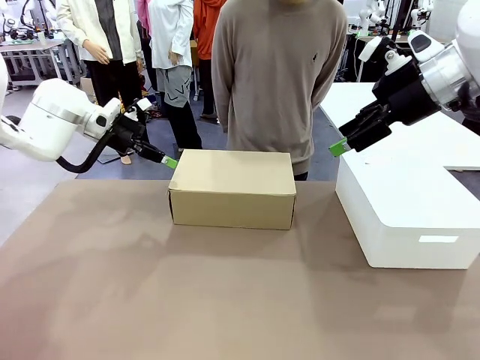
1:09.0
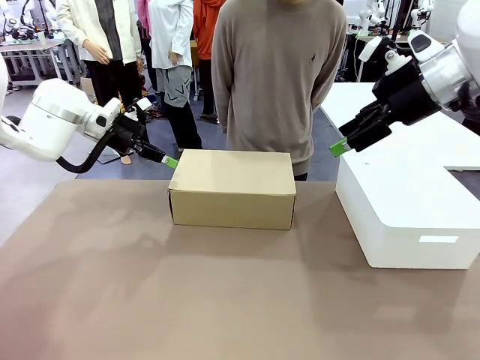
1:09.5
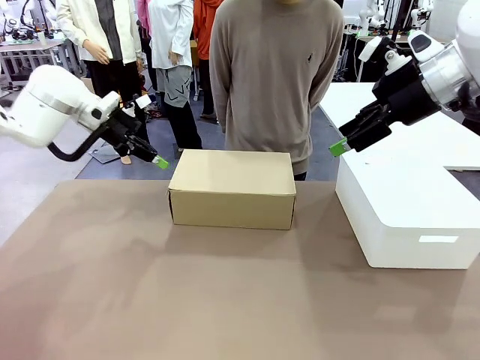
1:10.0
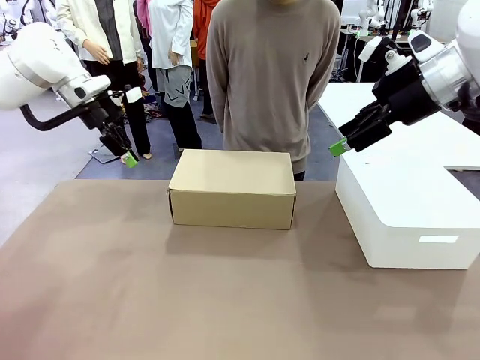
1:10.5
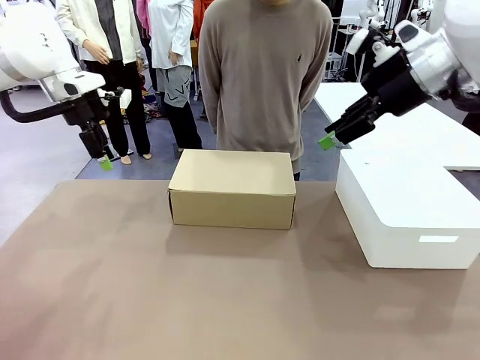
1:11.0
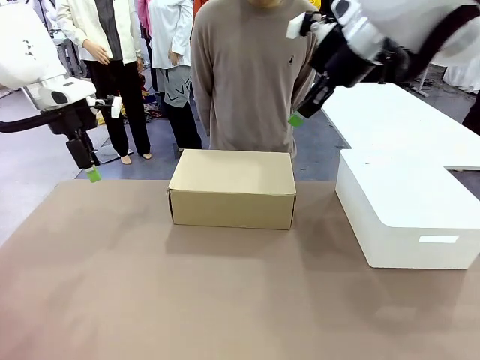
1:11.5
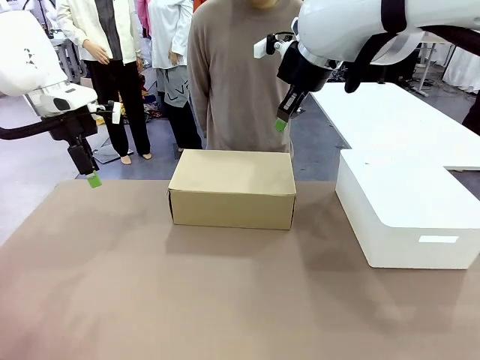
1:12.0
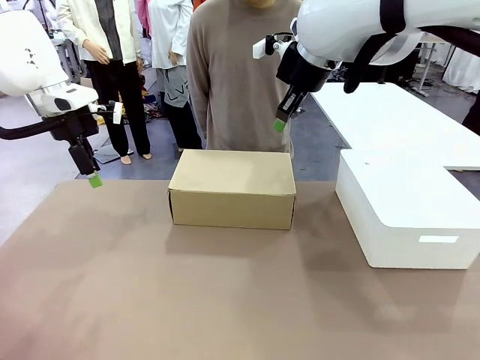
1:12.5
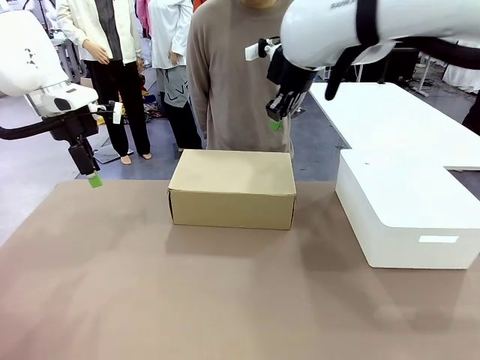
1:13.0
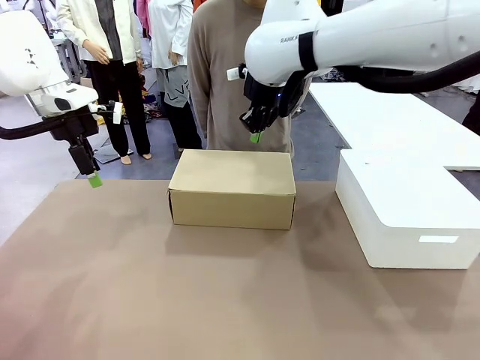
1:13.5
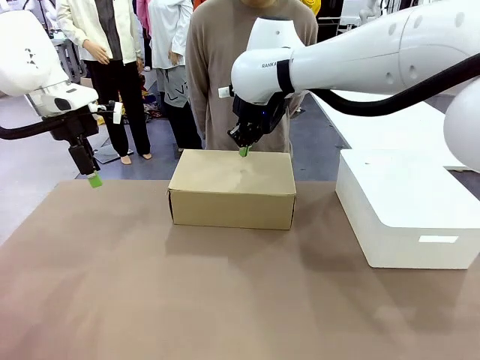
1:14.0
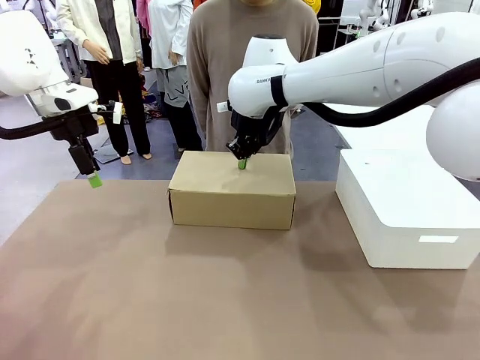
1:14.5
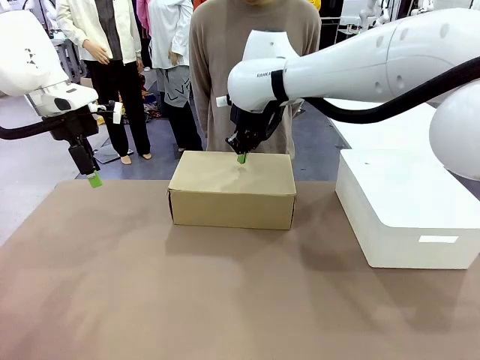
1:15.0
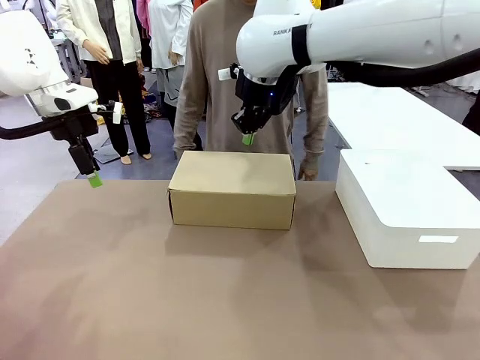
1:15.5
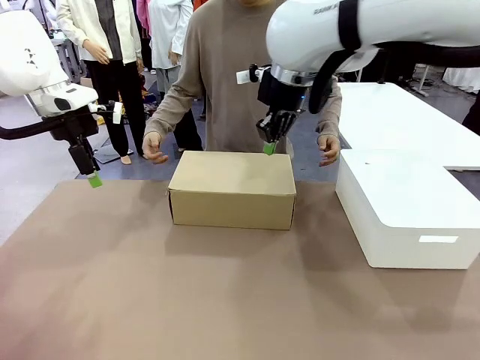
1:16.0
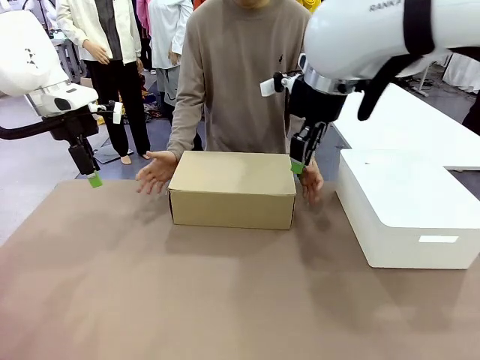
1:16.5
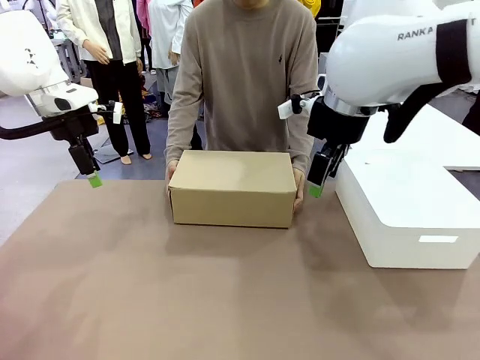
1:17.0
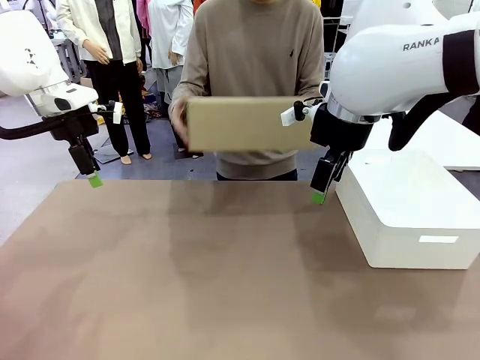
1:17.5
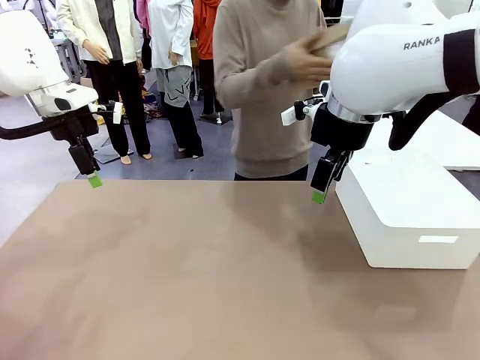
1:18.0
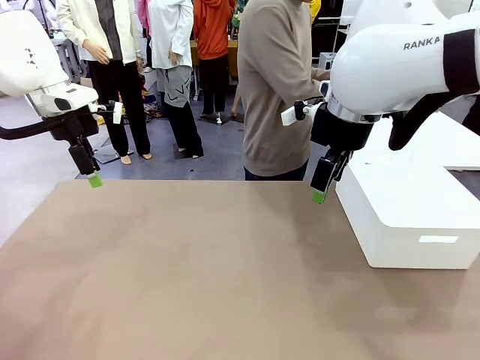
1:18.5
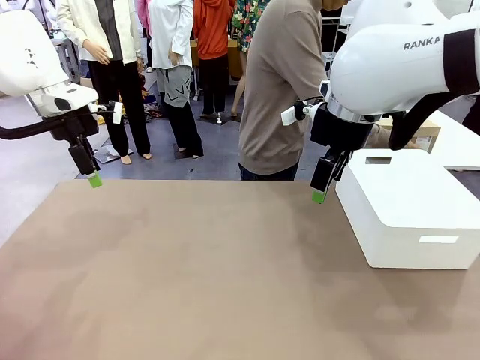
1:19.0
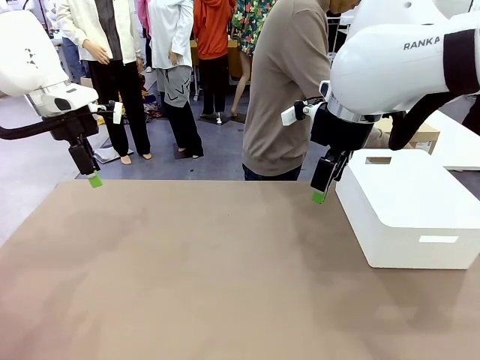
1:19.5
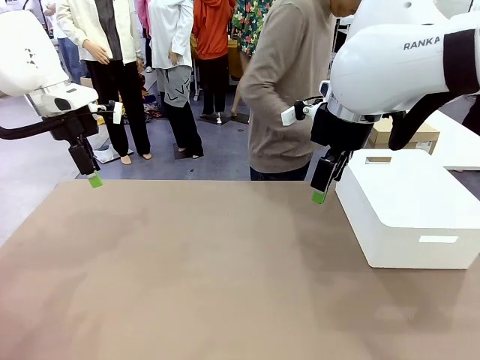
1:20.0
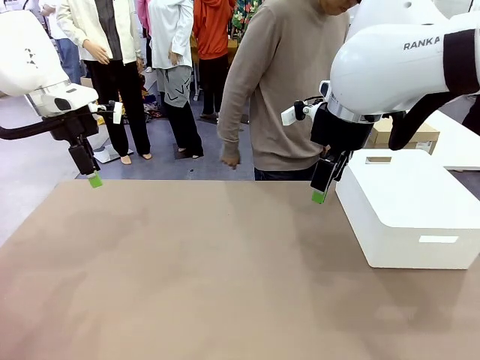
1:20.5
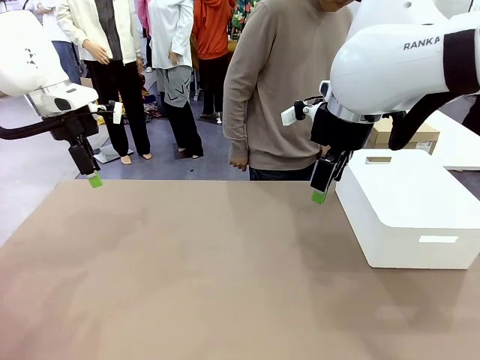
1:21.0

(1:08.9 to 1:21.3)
Task: Pack the shoes into the box.
Robot: Press down on the lid of the Shoes Box.
Person: Place the closed Shoes Box to the right side of the human table.

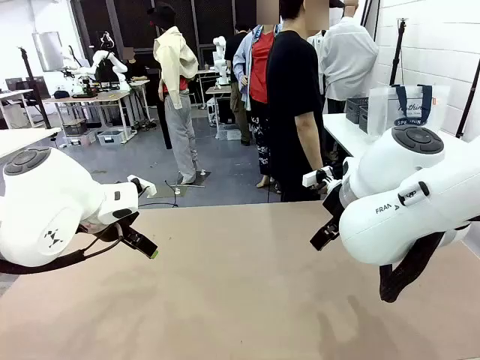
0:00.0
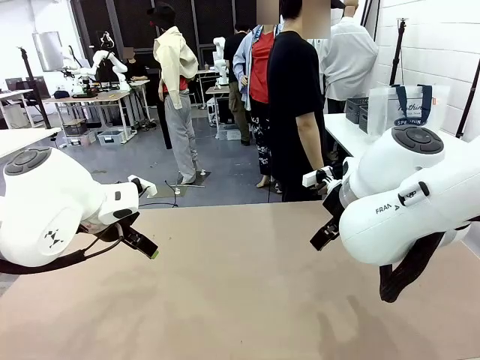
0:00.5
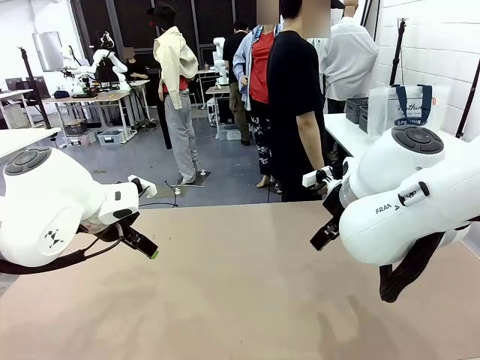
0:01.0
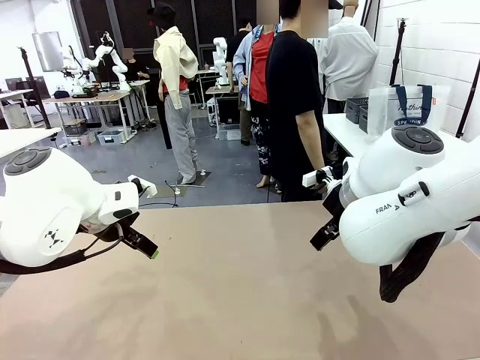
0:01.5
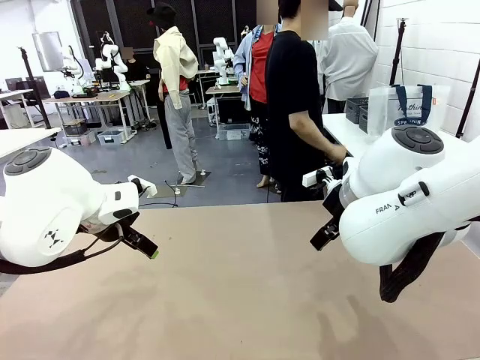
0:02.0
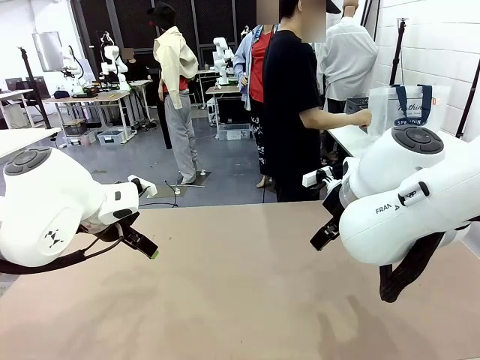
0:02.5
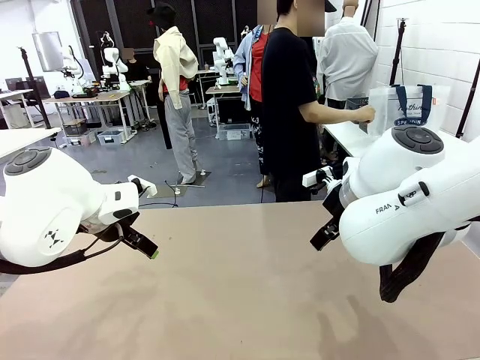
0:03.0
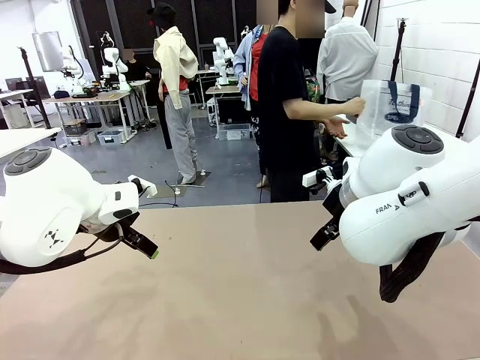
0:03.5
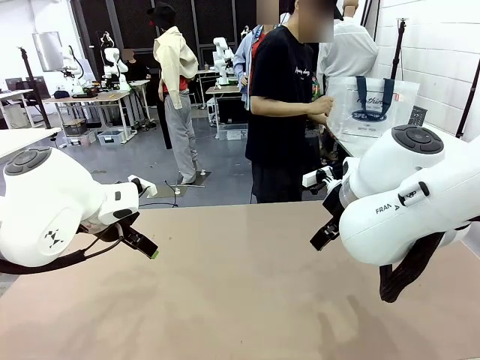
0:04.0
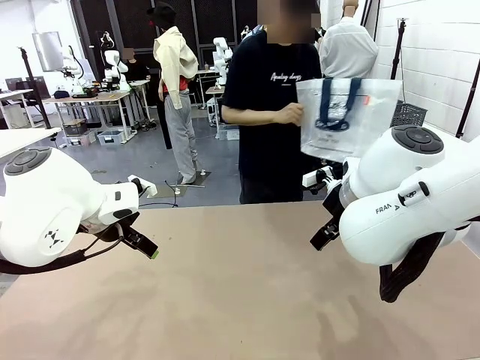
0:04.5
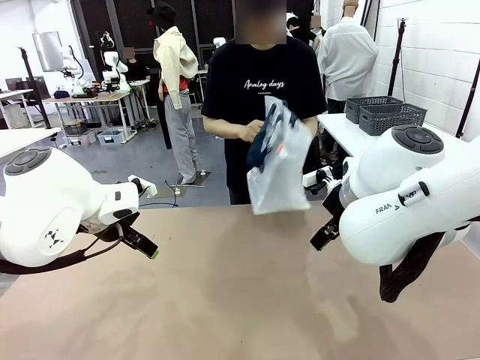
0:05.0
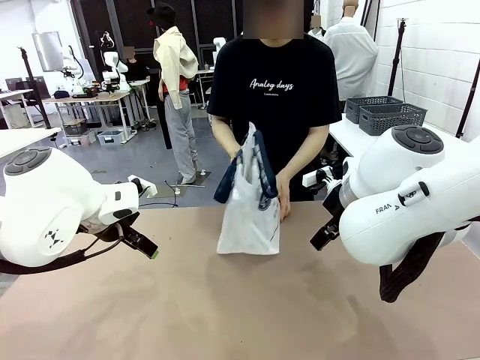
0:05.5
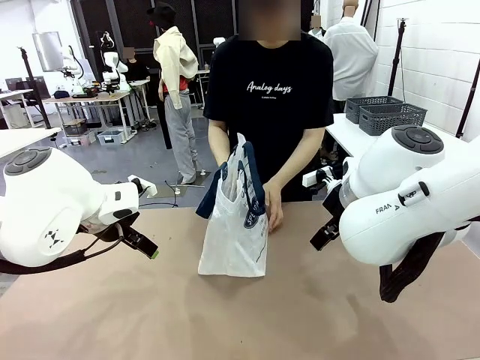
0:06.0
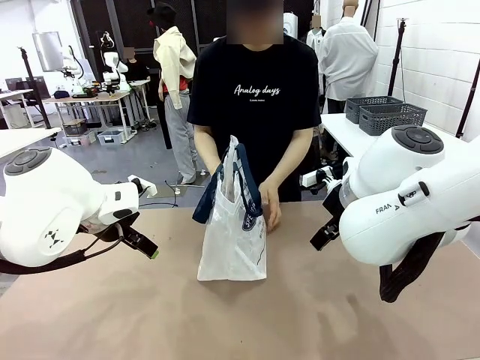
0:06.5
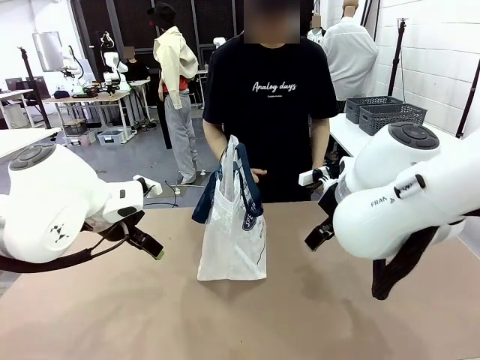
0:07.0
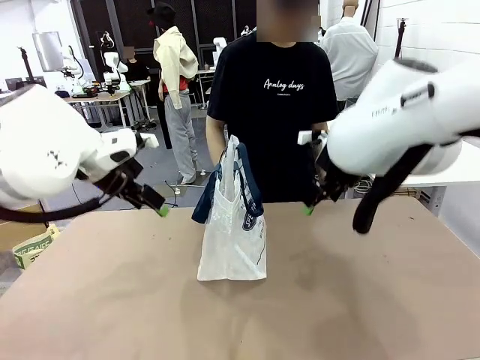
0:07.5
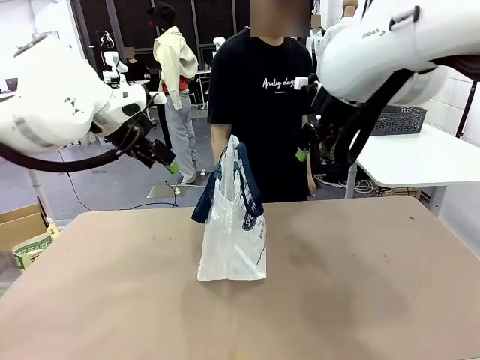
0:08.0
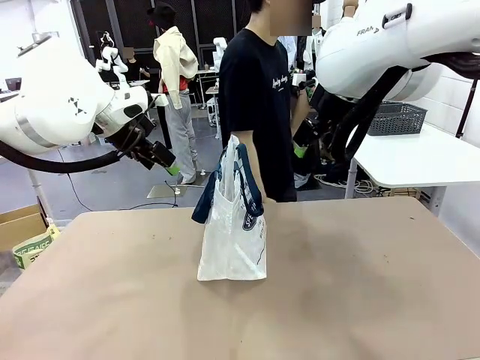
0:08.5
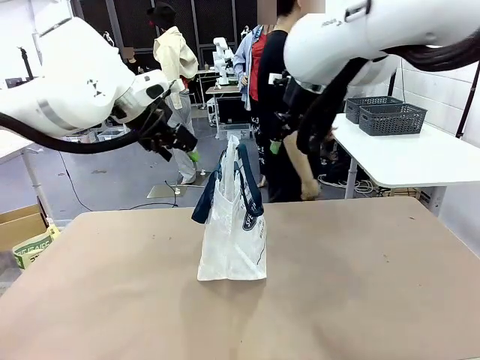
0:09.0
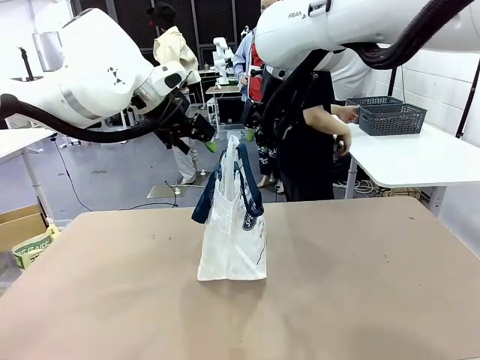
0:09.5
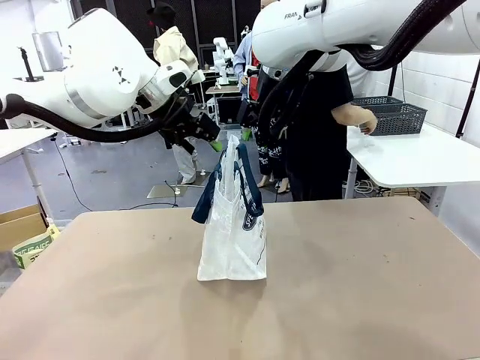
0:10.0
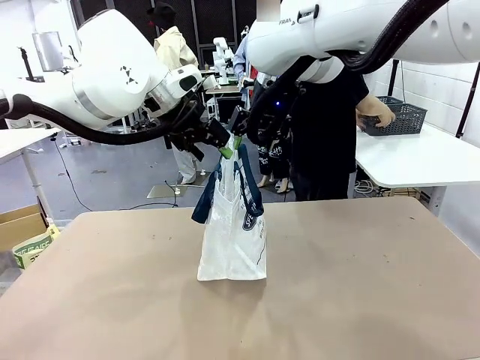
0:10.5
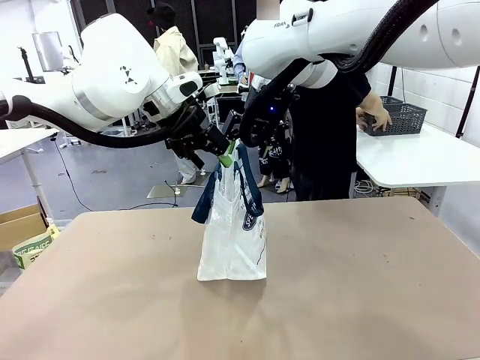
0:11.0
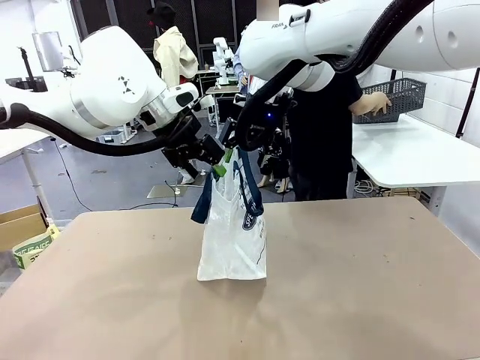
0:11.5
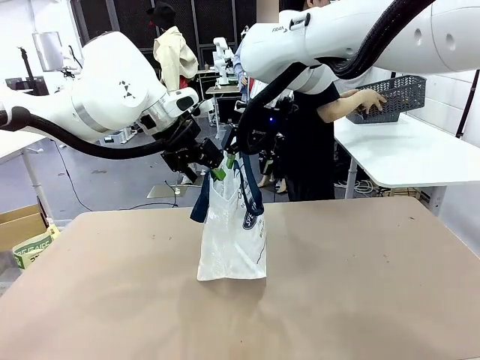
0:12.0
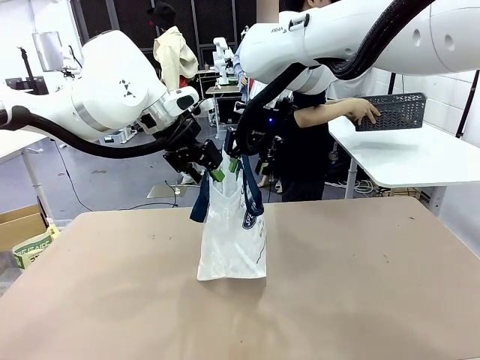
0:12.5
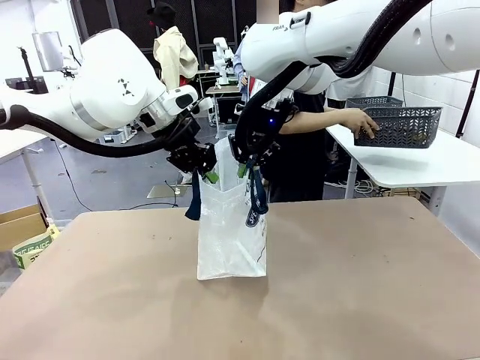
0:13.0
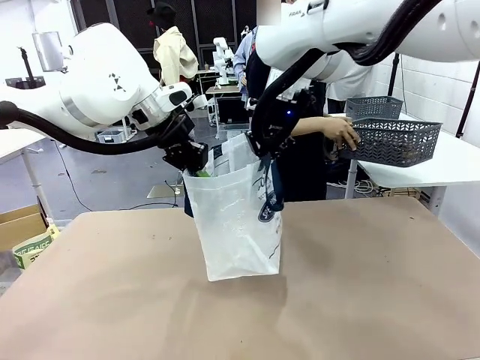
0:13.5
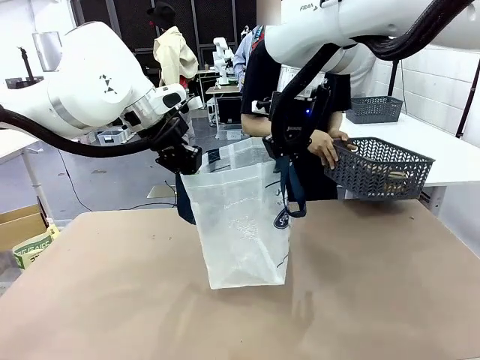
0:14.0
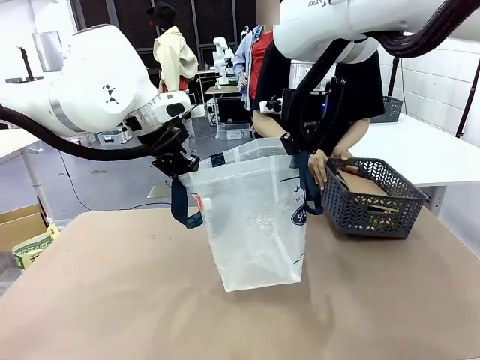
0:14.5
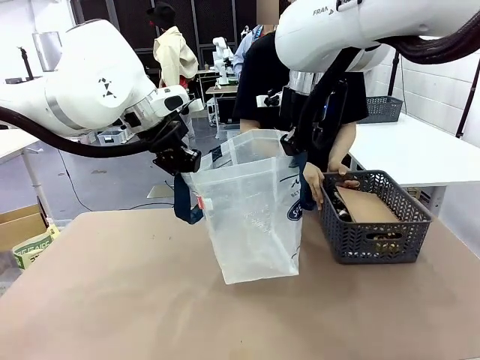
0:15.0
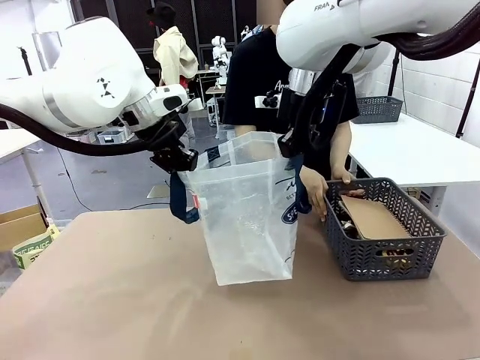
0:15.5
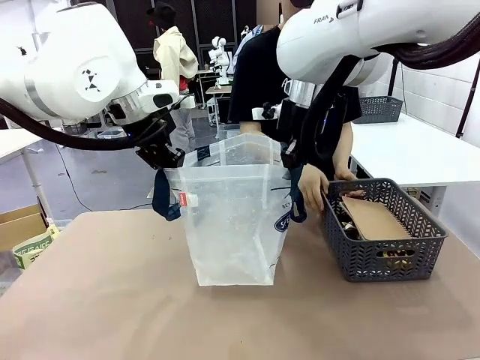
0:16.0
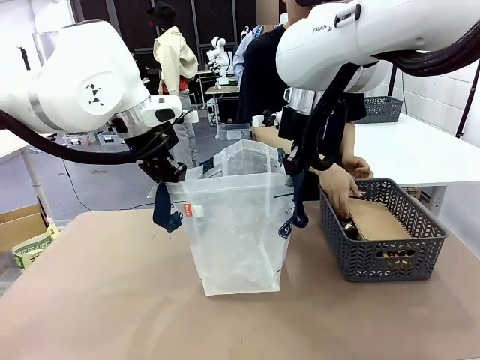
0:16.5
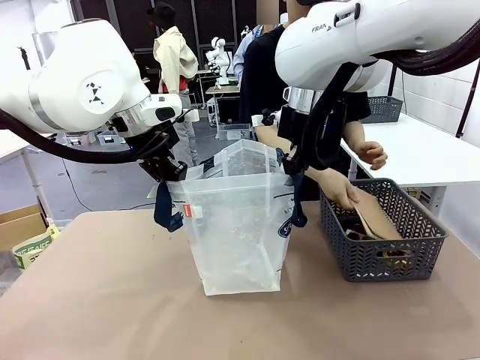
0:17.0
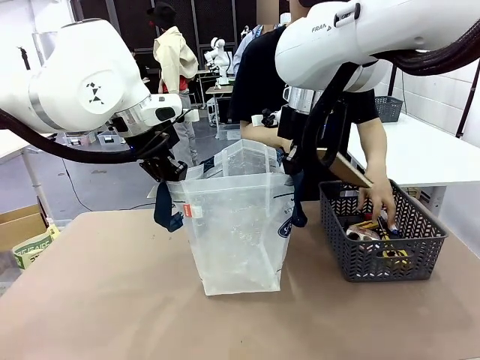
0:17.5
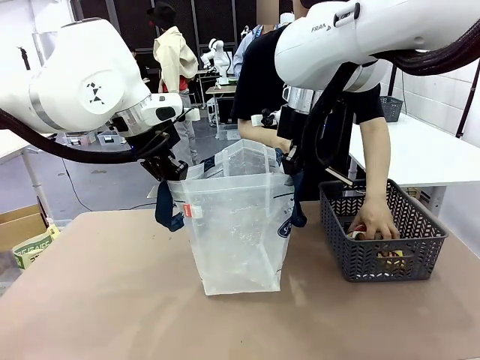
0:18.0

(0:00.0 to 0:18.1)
Task: Transfer purchased items from the store into the shopping bag.
Robot: Open the Reusable shopping bag in the center of the table.
Person: Pick up the shopping bag and place it in the middle of the robot table.
